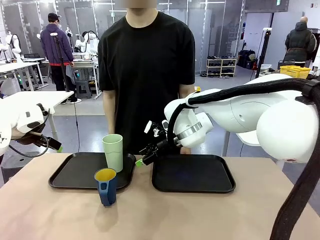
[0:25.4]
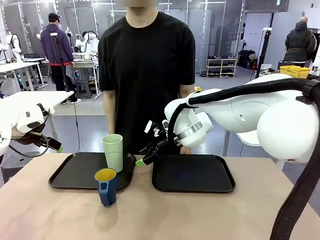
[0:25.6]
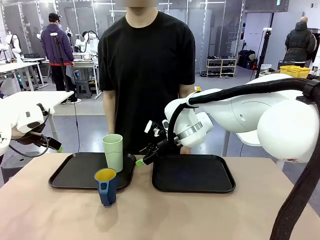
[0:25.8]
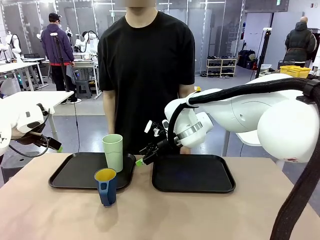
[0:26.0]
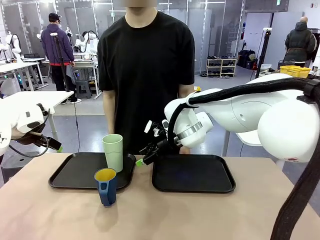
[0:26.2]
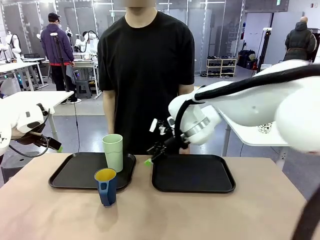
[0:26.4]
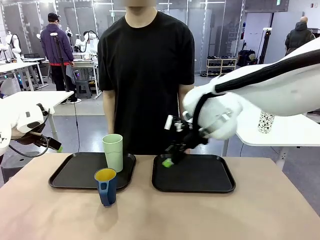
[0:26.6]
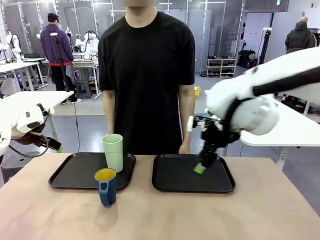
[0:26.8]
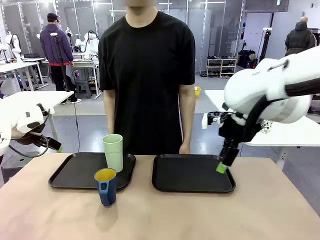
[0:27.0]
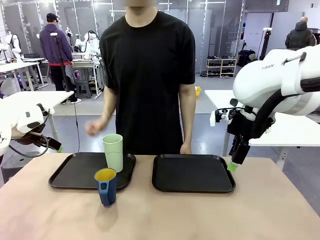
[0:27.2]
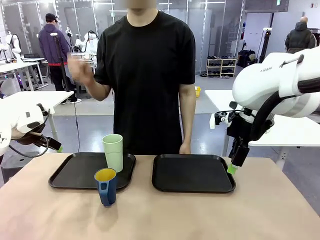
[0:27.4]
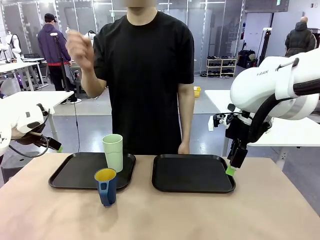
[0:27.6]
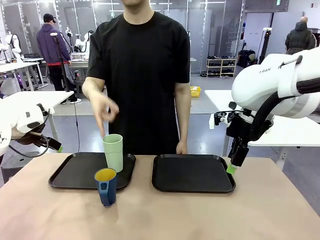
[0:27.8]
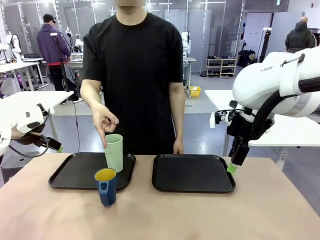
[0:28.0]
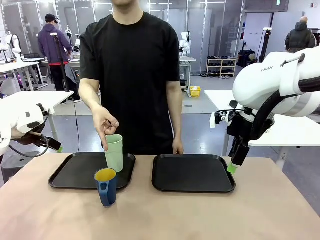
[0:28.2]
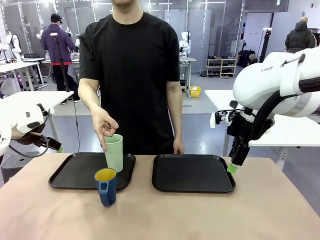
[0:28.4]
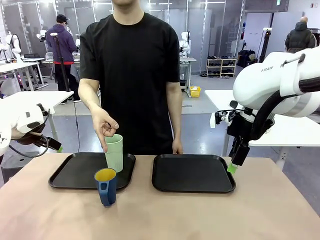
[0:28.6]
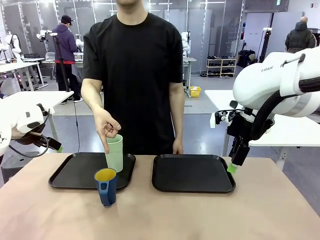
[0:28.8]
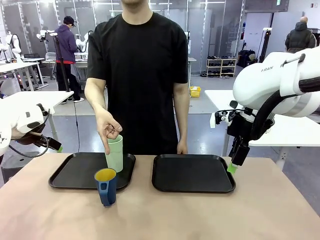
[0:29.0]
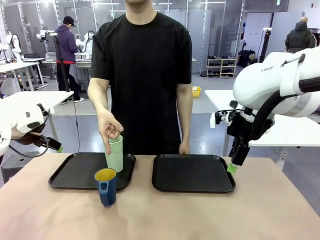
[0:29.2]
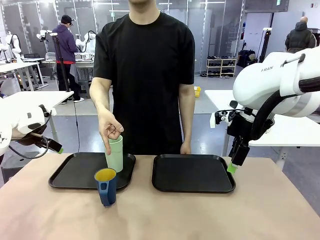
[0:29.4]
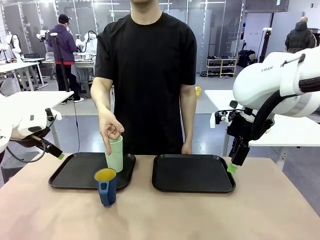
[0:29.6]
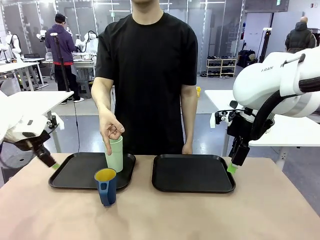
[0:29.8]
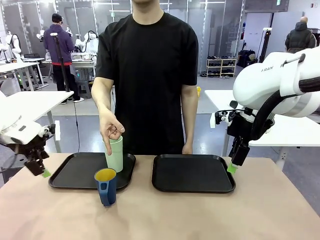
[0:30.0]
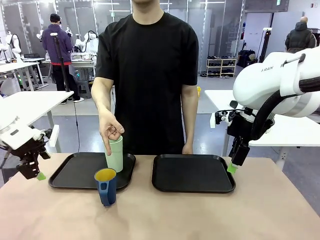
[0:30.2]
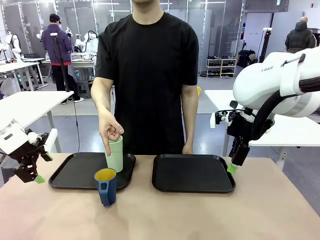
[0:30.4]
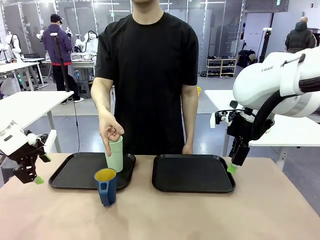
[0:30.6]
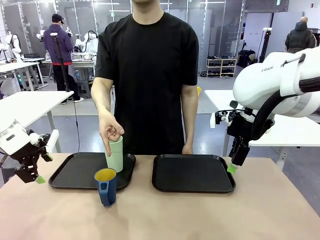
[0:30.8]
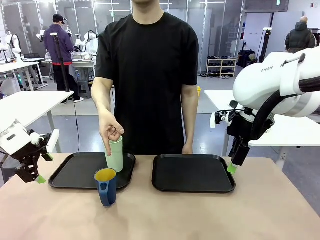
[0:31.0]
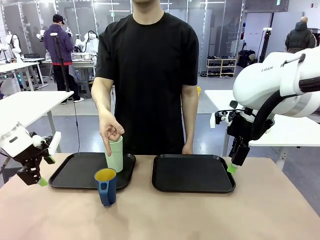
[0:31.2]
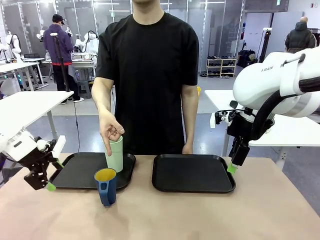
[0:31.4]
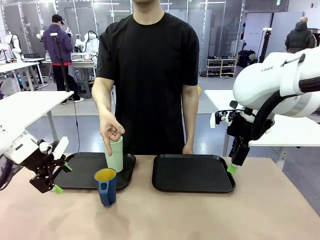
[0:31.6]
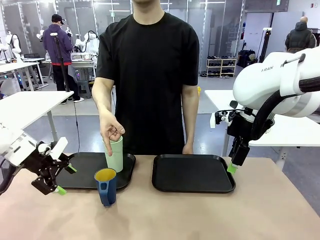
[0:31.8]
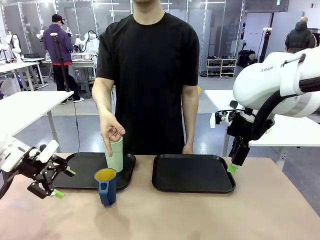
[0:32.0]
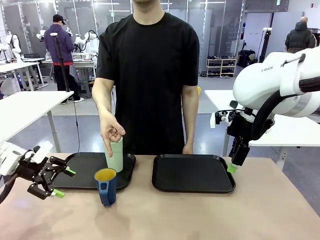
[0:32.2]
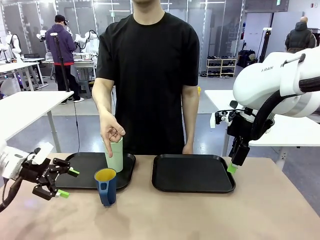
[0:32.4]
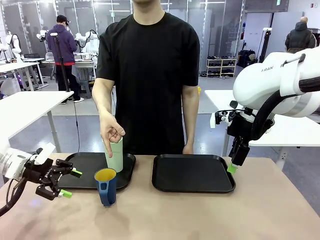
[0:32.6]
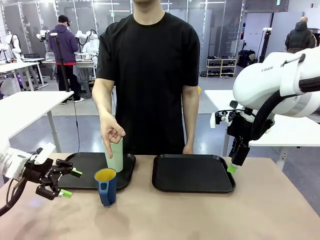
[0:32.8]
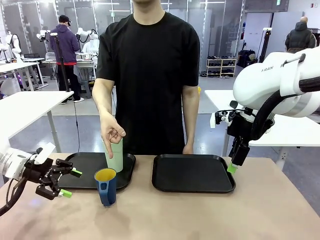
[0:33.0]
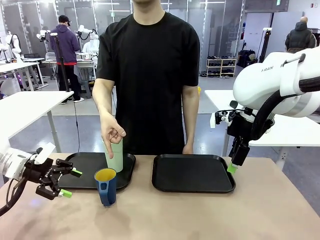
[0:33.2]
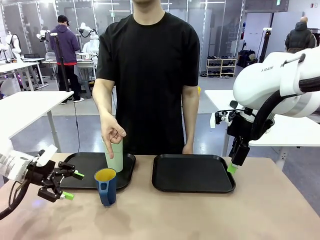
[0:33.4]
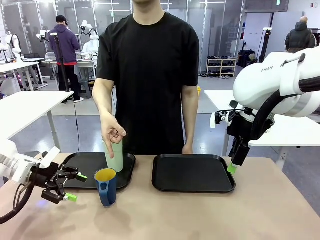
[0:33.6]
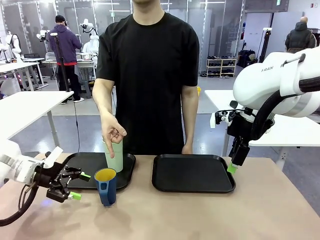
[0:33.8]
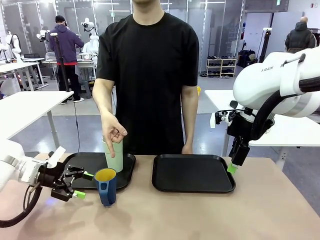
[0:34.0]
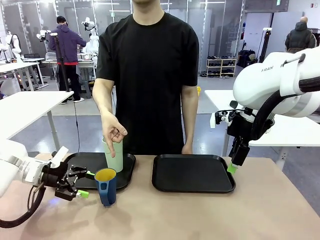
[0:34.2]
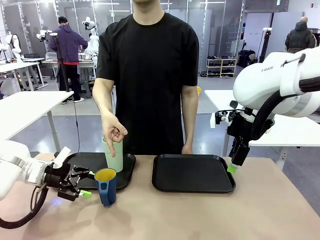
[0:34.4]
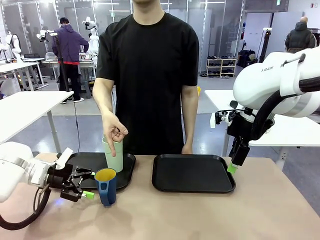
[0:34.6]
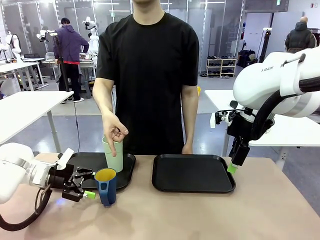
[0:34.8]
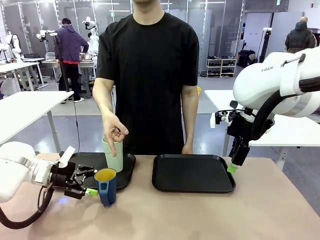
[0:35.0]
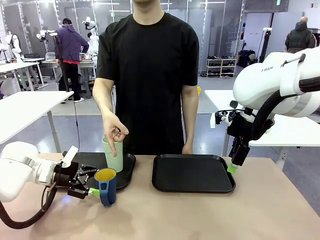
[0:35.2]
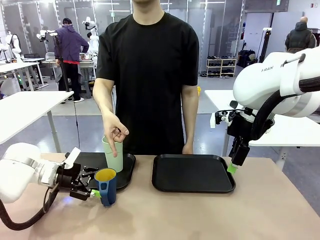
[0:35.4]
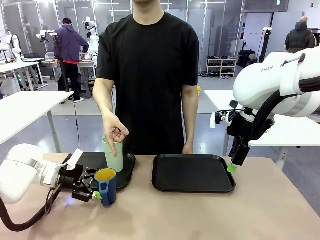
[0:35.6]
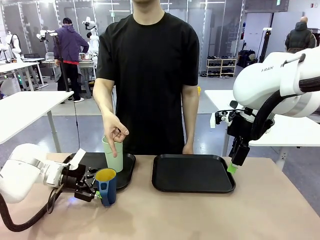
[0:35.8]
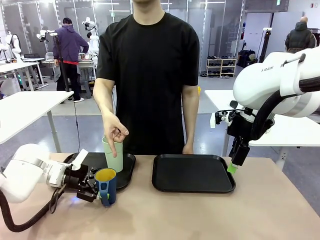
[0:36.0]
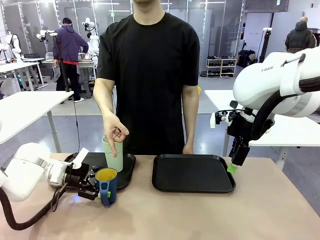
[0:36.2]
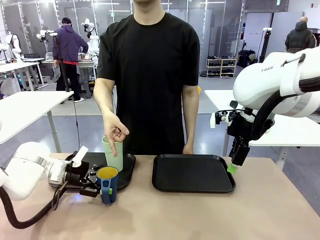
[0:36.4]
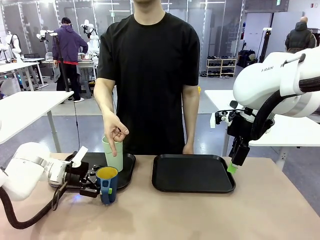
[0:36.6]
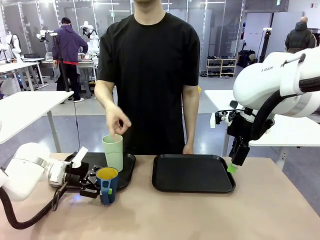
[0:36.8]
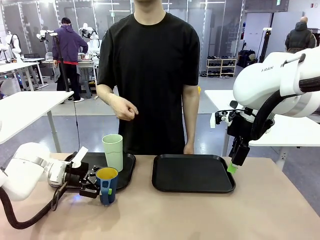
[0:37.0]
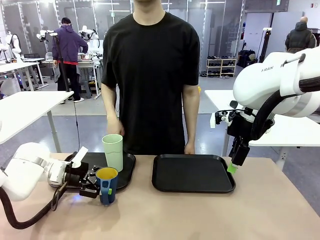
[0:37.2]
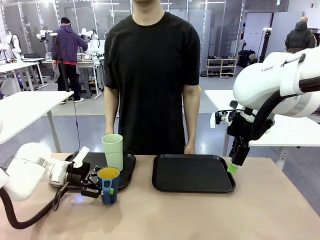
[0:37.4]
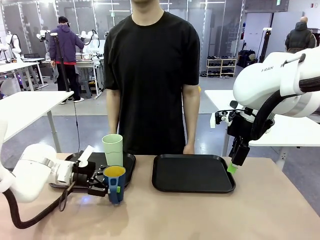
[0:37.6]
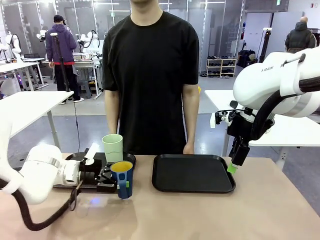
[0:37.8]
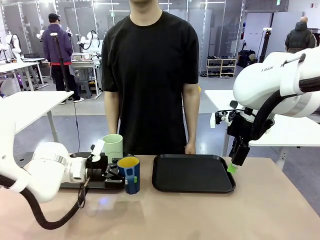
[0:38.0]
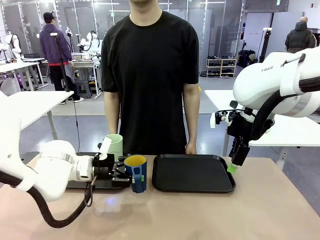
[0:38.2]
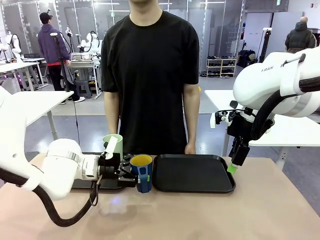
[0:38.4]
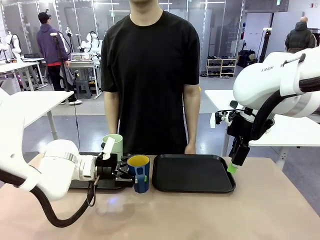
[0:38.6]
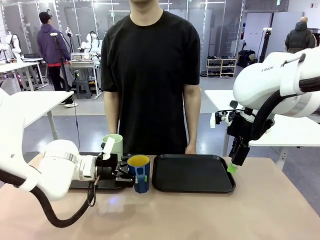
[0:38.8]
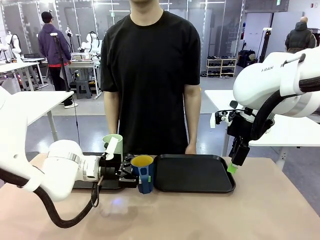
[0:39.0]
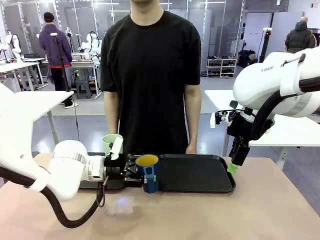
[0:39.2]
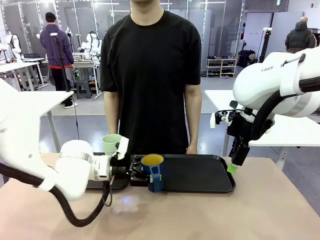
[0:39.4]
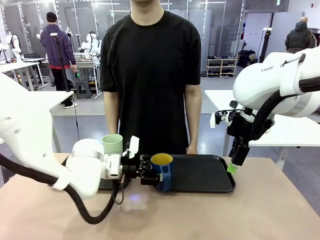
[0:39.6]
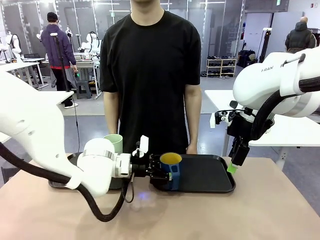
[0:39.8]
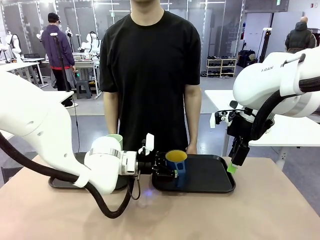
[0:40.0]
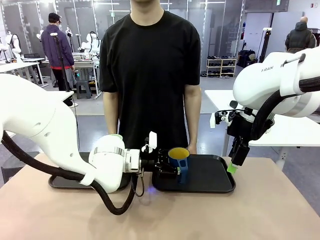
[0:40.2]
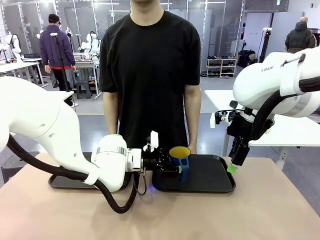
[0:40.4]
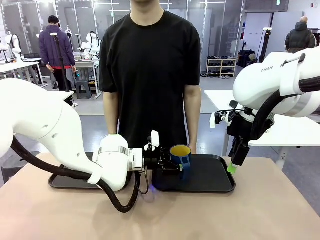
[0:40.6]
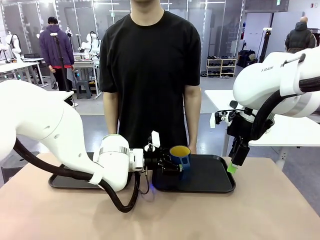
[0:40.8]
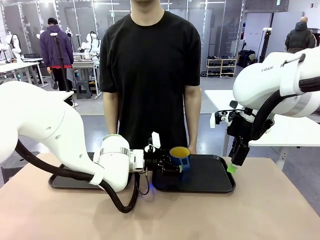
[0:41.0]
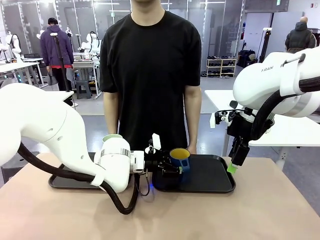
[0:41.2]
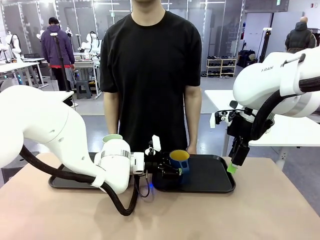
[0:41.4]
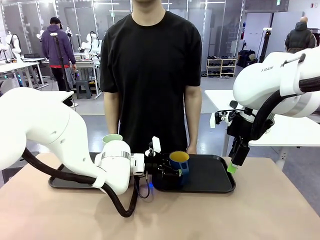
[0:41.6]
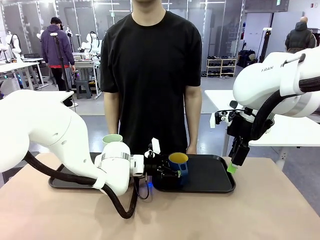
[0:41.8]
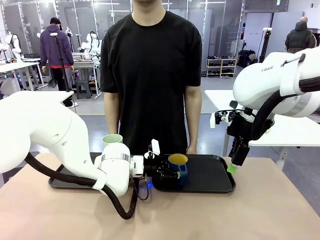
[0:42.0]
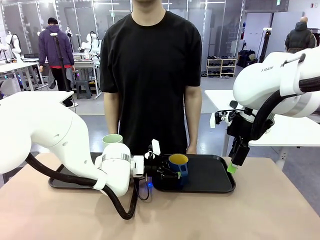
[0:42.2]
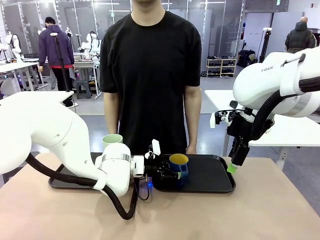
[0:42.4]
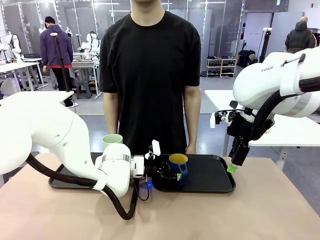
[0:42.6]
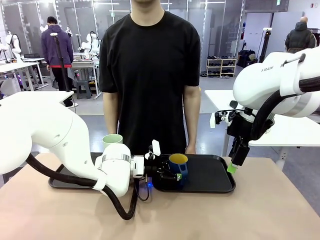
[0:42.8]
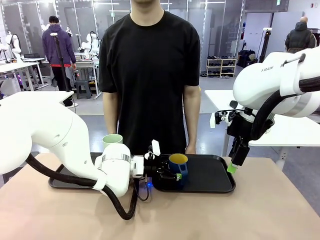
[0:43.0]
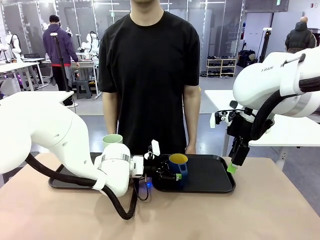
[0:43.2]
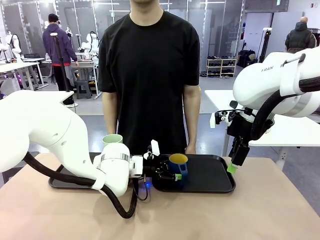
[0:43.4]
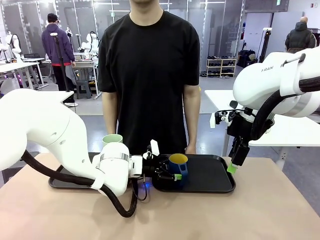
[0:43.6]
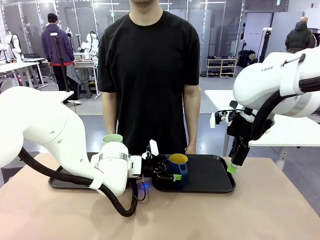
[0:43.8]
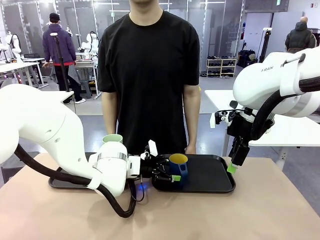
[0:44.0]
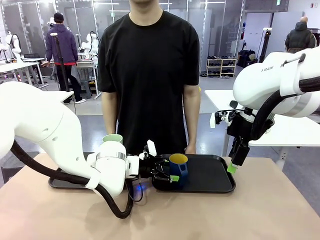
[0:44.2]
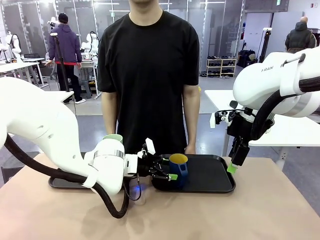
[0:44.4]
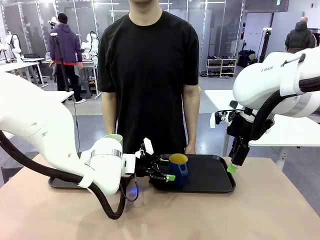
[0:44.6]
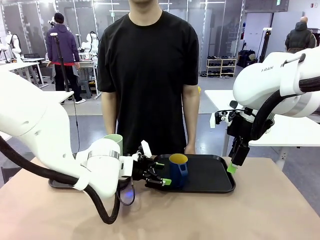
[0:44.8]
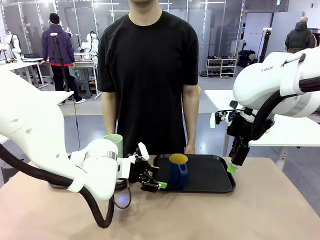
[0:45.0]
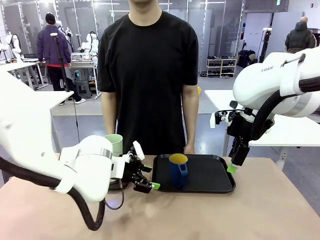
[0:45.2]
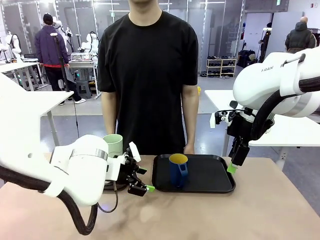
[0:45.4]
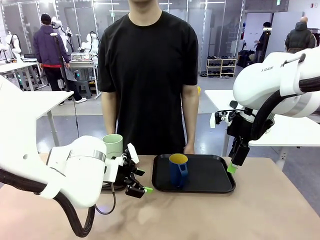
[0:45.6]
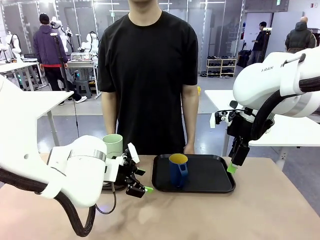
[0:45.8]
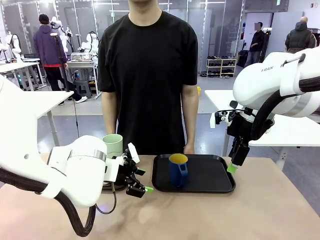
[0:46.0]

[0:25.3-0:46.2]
Task: Sort and store the cups by type.
Robot: Pick up the Handle plastic cup and place it into the empty Flat Tray.
Person: Points to the cup with a handle.
